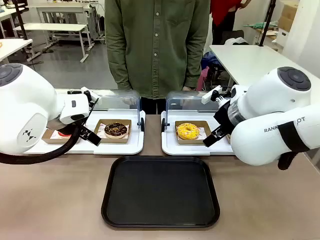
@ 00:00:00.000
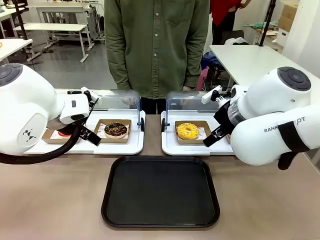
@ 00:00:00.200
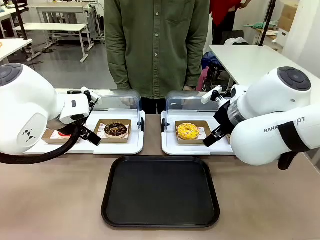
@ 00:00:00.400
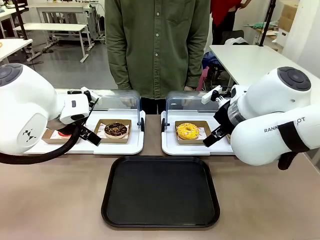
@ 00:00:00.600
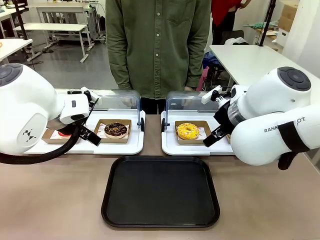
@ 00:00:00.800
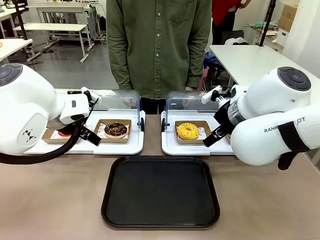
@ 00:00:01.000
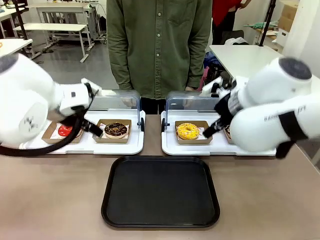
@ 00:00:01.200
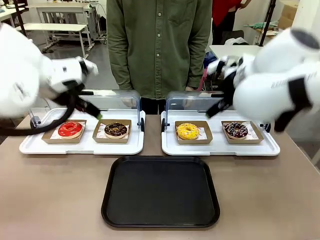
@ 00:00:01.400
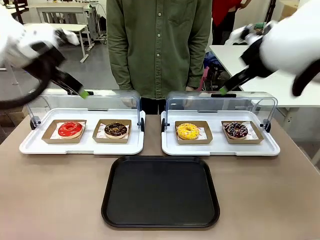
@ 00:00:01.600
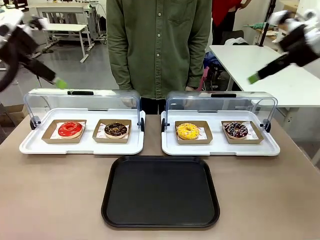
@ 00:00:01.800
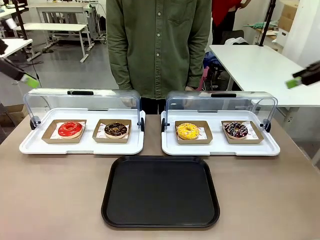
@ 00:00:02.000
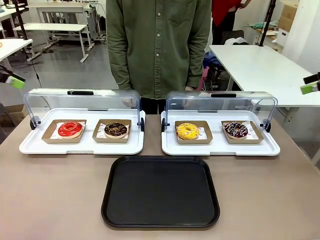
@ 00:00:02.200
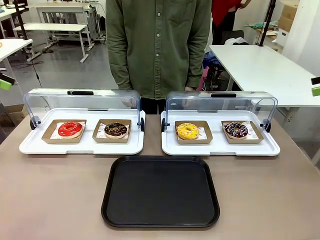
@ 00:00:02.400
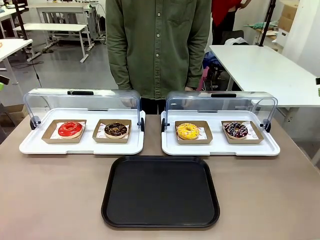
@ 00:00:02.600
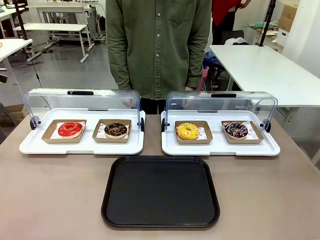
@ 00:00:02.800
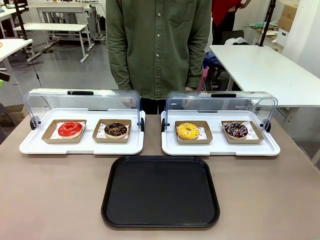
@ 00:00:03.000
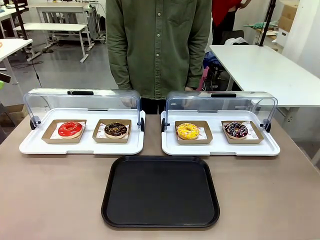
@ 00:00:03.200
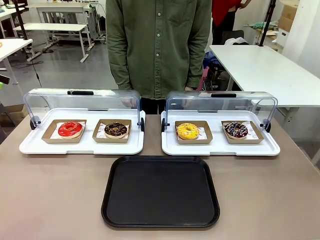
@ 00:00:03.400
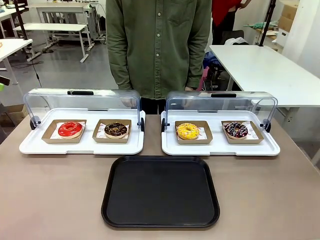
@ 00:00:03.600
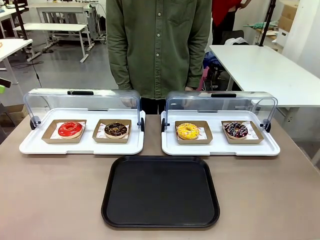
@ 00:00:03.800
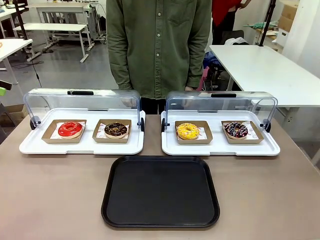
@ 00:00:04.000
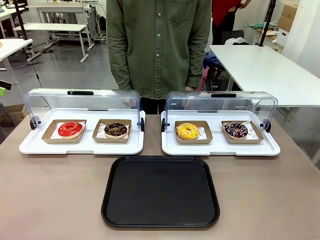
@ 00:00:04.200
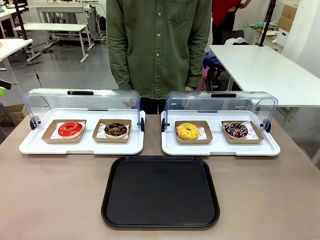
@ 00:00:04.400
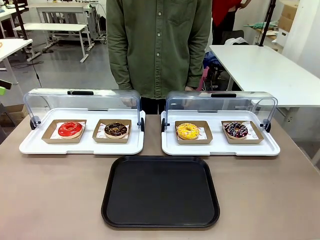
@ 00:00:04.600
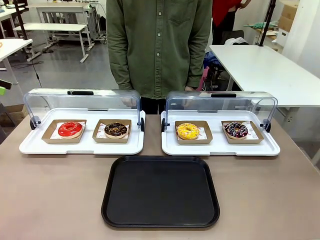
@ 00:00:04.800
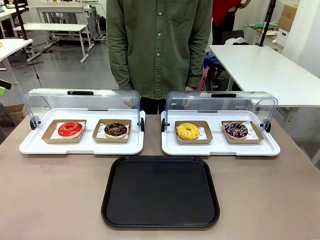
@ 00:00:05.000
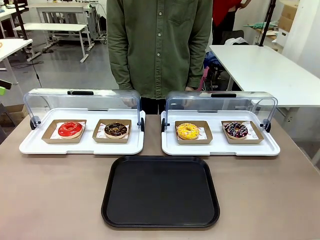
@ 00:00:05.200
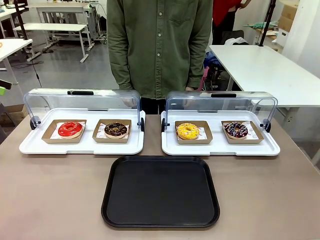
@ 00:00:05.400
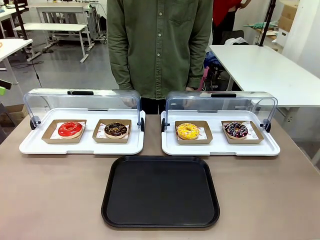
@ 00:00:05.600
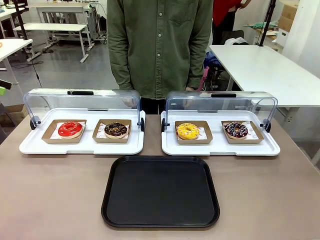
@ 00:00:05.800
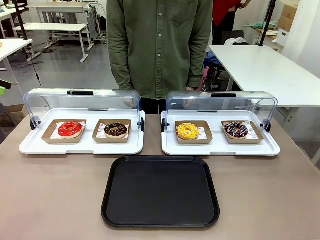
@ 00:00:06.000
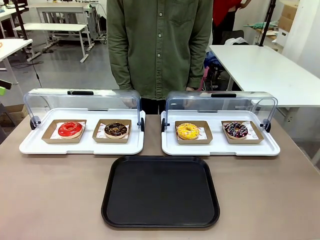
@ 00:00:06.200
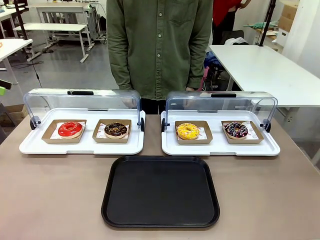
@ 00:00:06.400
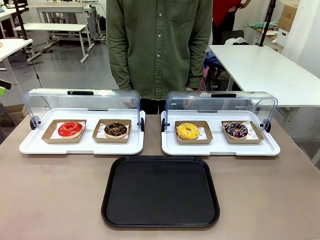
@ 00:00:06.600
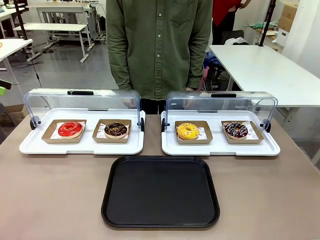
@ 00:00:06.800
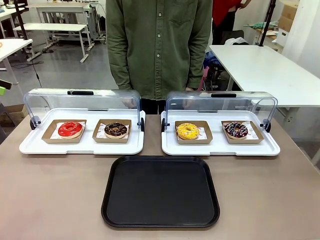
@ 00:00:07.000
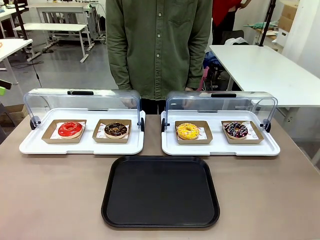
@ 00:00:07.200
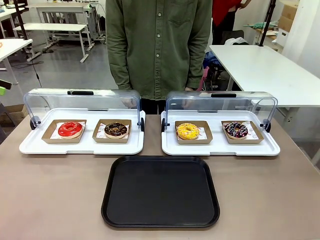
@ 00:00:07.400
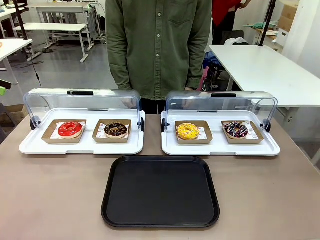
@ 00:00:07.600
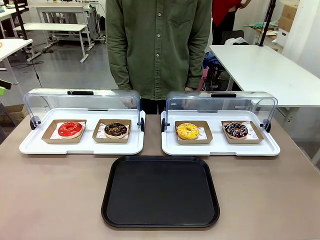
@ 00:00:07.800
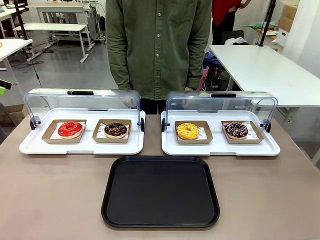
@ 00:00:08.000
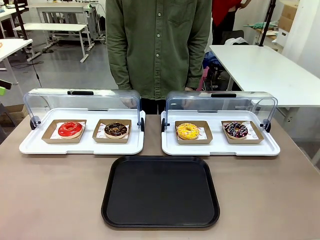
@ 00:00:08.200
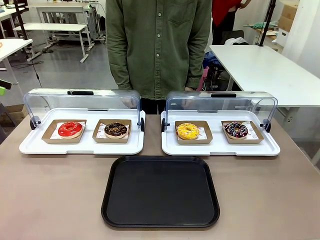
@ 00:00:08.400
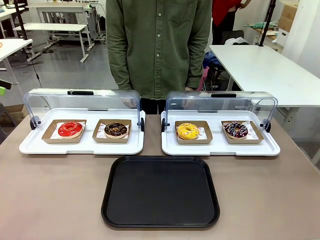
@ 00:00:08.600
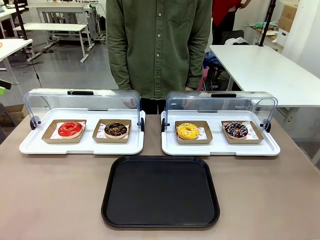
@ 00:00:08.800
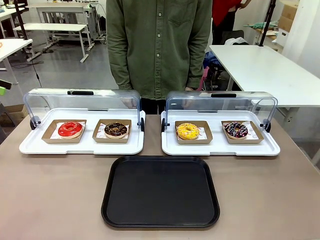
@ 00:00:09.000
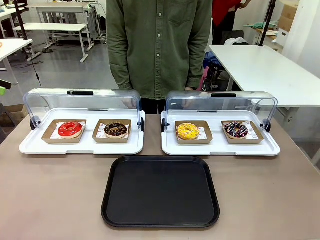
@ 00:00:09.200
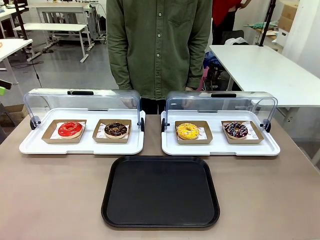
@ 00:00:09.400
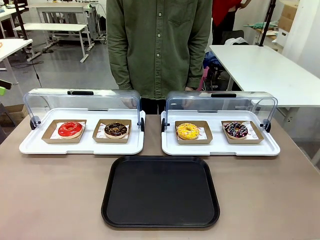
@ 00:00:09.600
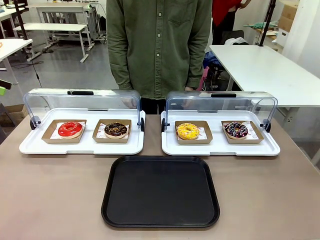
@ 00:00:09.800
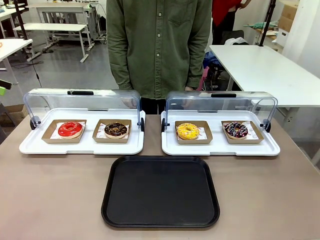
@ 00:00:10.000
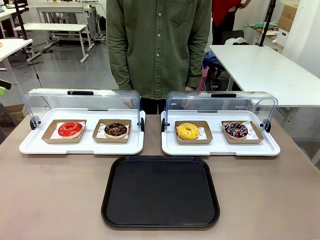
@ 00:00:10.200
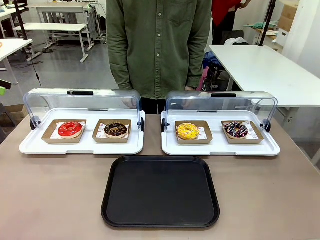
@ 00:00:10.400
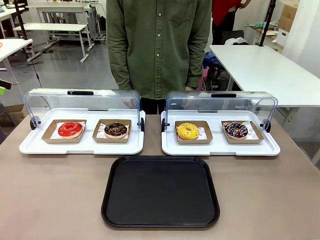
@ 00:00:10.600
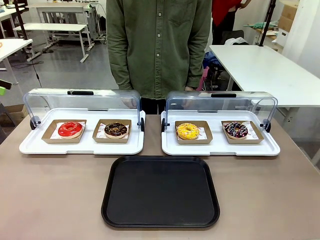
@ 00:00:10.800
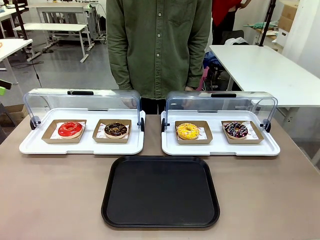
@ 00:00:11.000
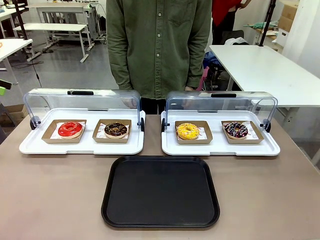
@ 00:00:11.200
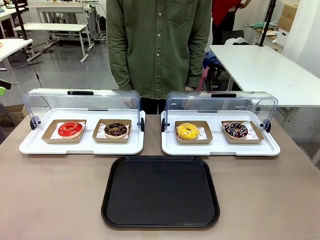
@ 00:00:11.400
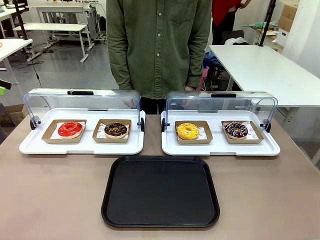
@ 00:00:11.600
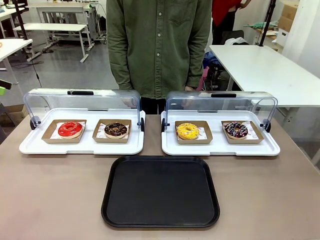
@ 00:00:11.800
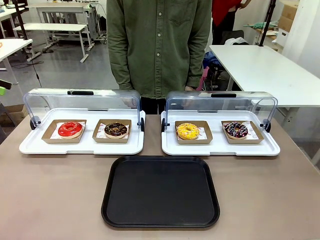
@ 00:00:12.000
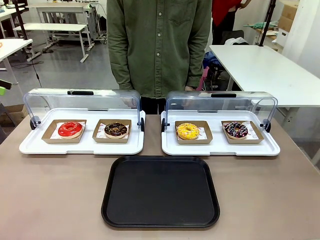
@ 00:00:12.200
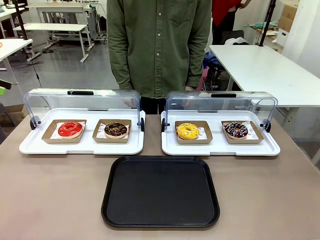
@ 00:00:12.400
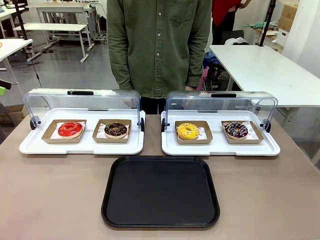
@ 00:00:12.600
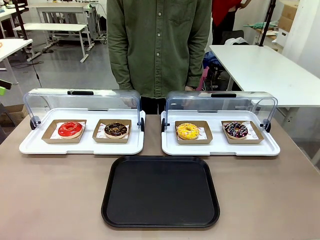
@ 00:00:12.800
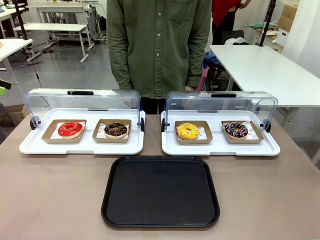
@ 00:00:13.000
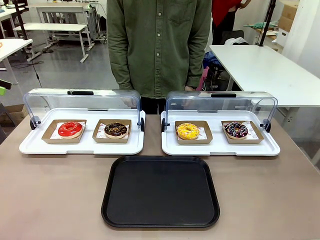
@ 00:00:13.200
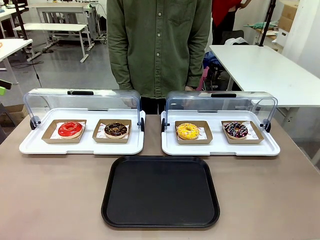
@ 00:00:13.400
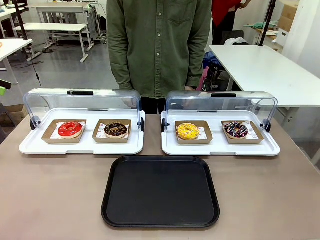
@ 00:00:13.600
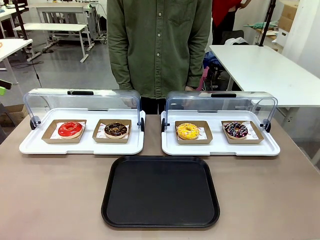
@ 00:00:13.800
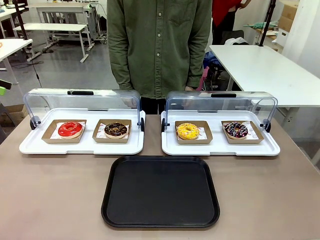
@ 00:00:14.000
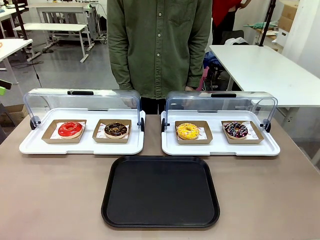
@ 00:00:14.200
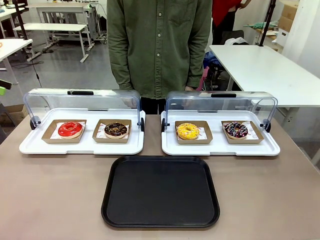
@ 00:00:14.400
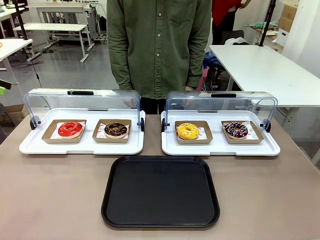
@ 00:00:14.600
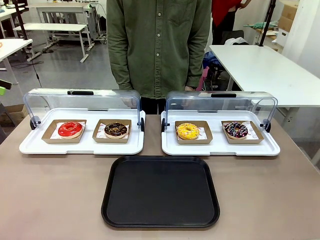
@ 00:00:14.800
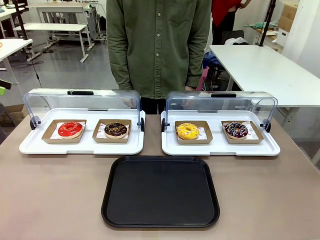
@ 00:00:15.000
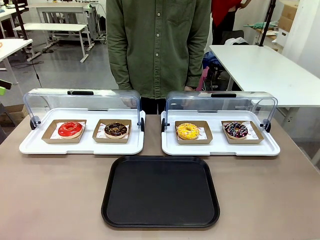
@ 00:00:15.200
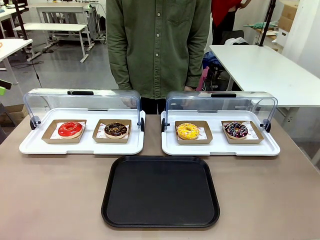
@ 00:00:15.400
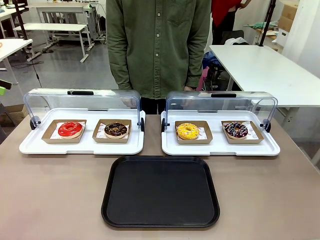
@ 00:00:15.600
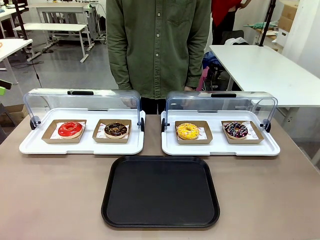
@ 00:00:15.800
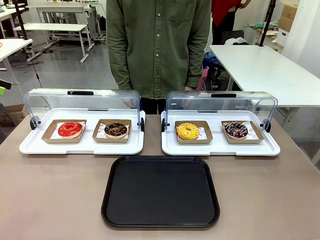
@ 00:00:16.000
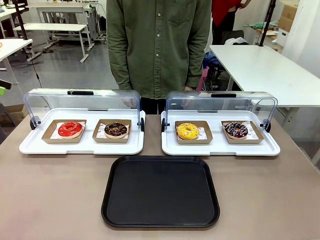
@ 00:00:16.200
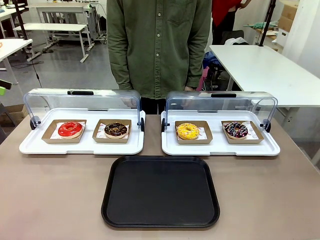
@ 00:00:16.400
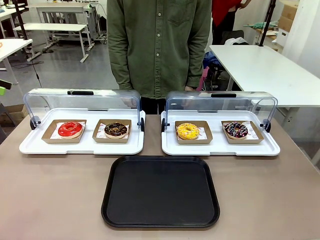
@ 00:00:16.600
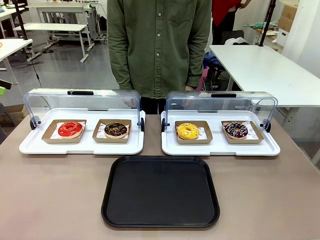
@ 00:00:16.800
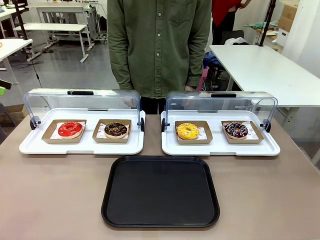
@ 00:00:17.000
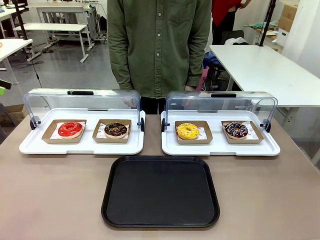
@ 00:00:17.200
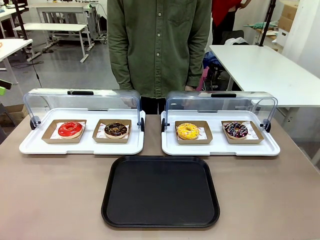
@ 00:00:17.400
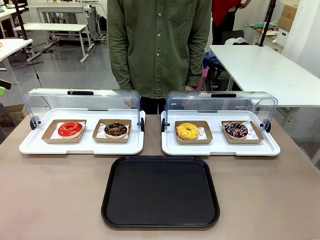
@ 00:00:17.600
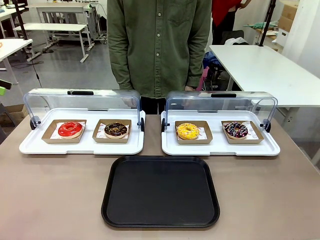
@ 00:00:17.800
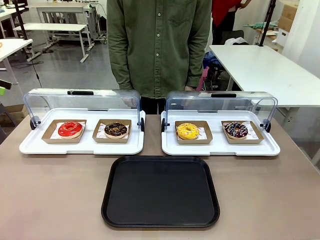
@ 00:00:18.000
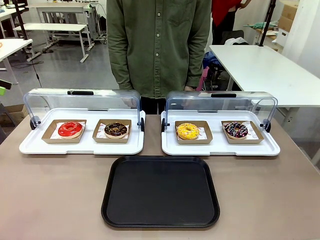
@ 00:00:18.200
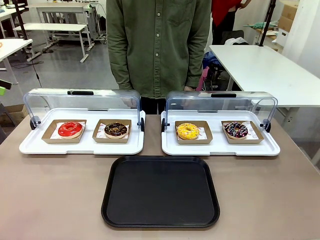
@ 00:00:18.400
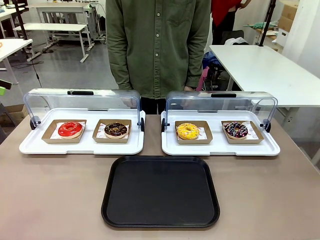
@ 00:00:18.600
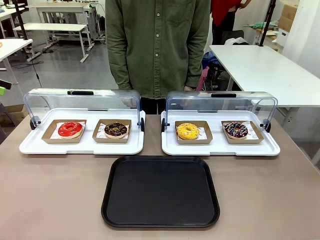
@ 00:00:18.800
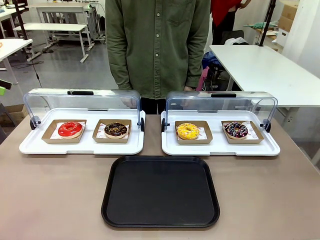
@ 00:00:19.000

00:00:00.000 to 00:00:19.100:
Task: Move the second donut from the left to the tray.
Robot: Pick up the Paper togo box containing the Donut indicated by the person and place it on the Handle tray.
